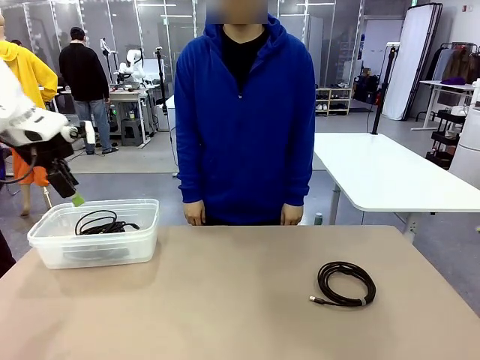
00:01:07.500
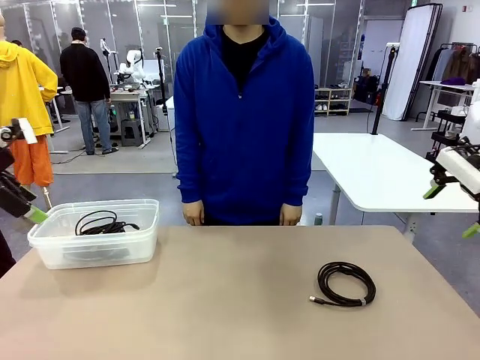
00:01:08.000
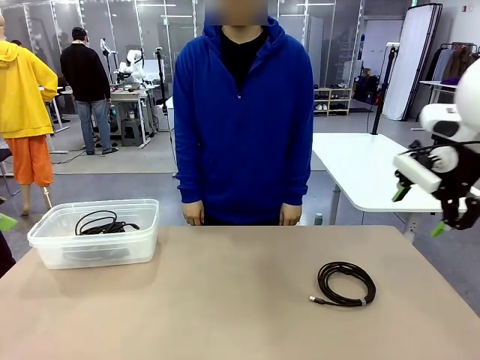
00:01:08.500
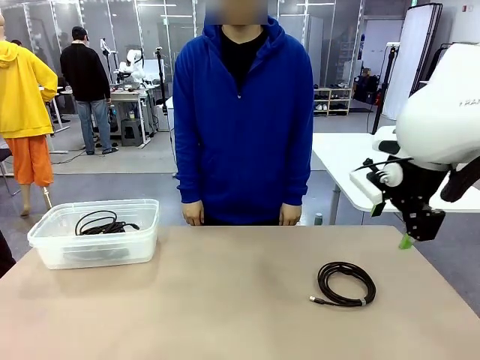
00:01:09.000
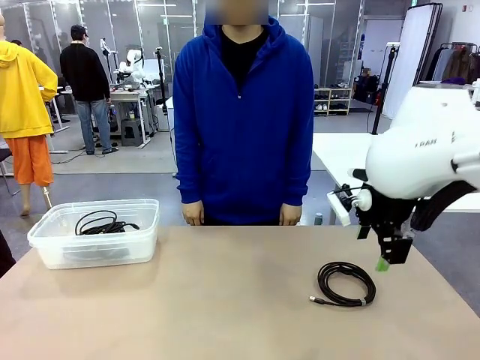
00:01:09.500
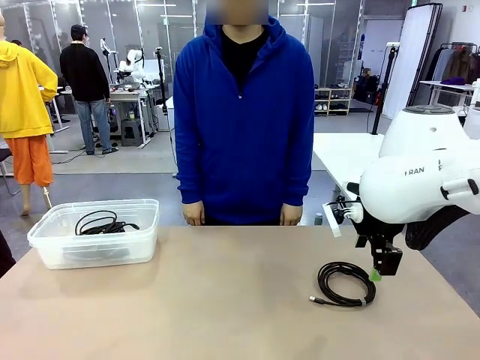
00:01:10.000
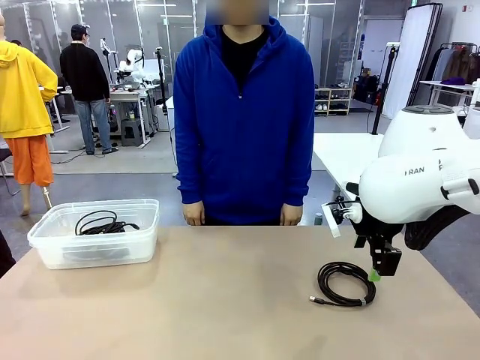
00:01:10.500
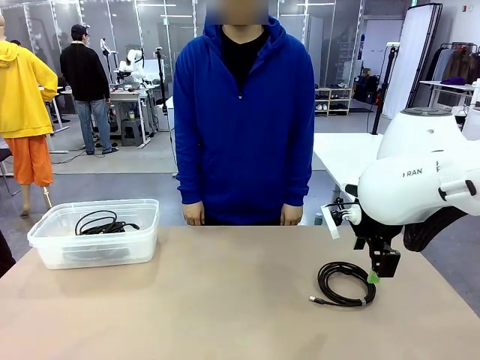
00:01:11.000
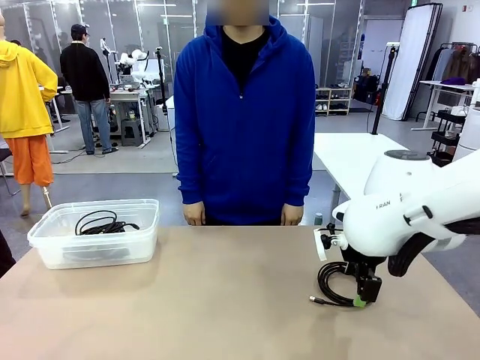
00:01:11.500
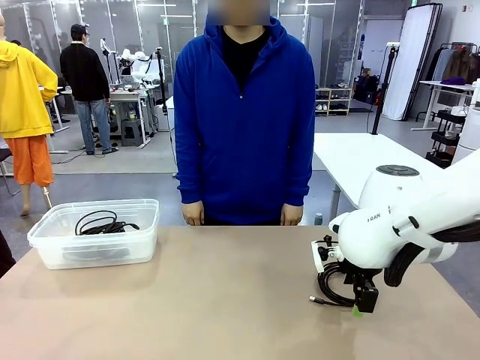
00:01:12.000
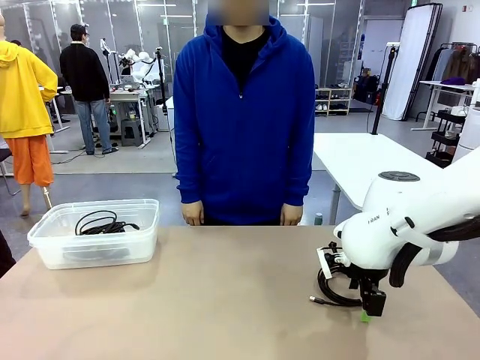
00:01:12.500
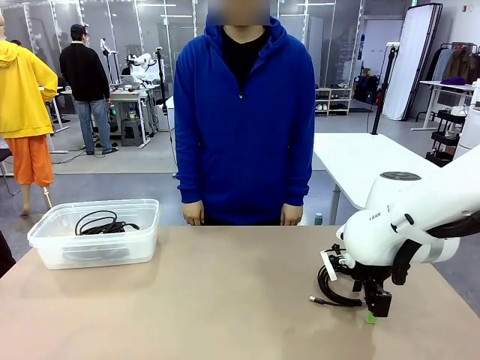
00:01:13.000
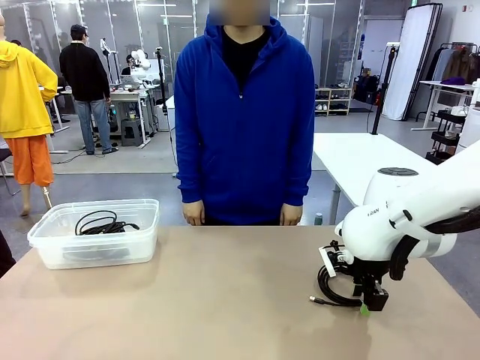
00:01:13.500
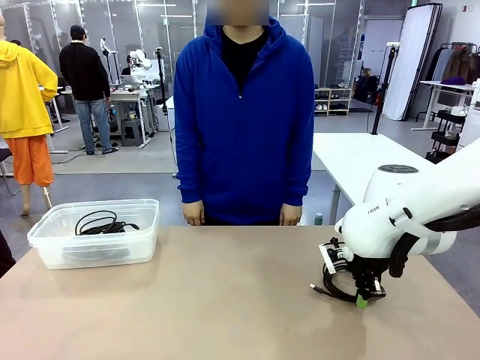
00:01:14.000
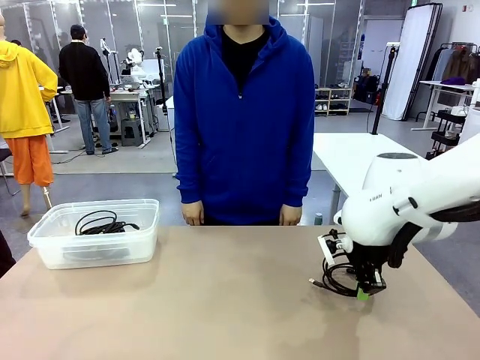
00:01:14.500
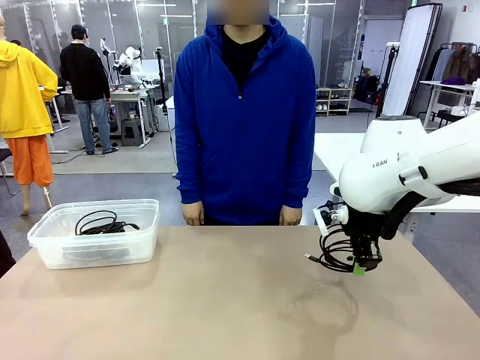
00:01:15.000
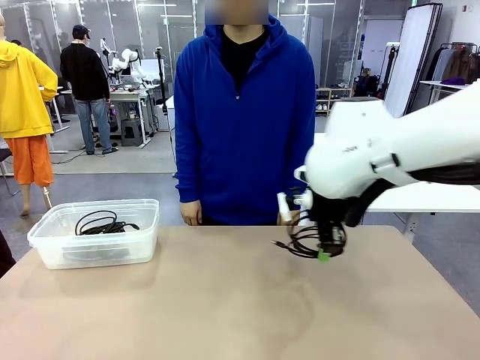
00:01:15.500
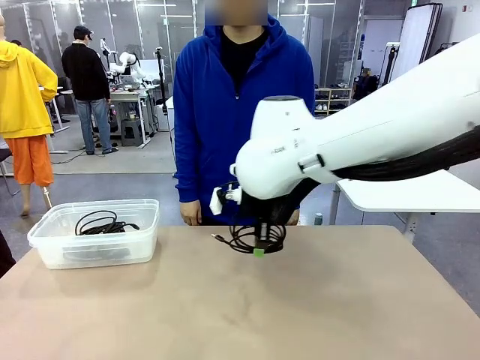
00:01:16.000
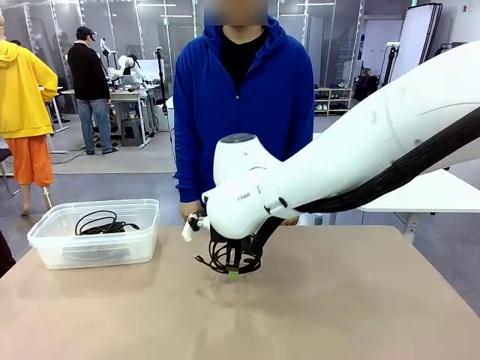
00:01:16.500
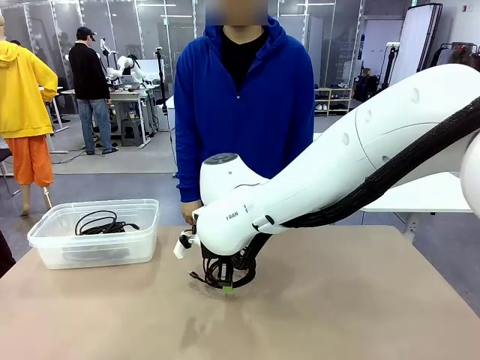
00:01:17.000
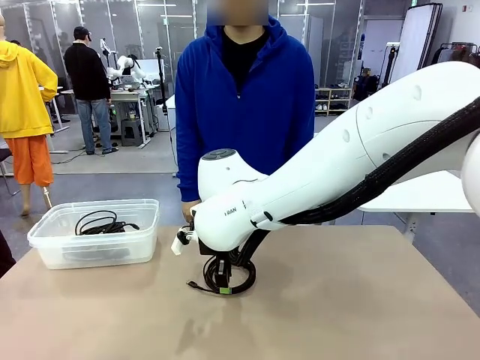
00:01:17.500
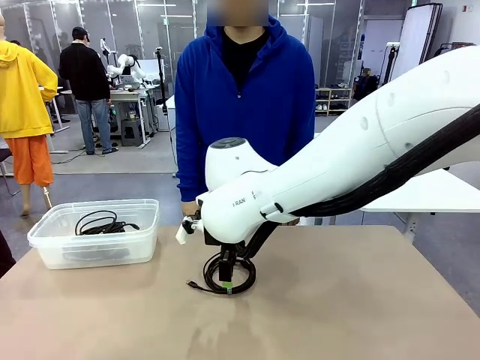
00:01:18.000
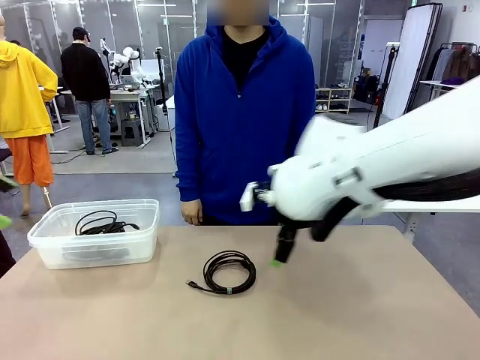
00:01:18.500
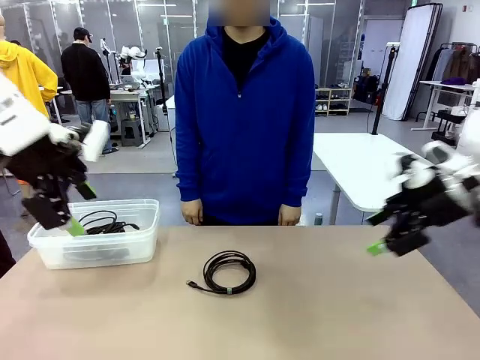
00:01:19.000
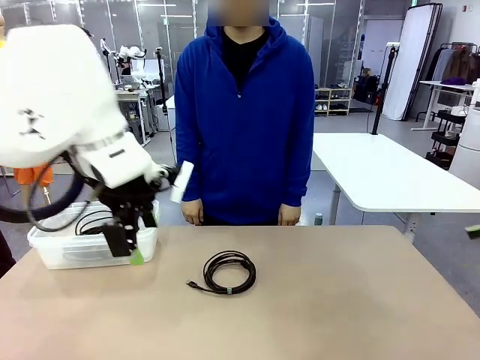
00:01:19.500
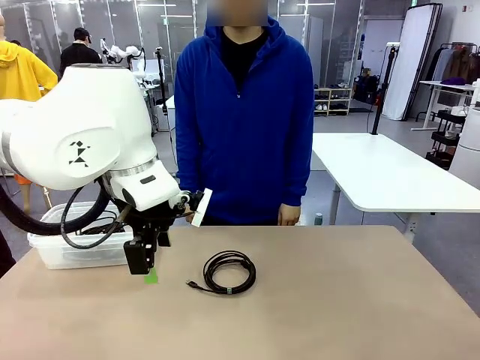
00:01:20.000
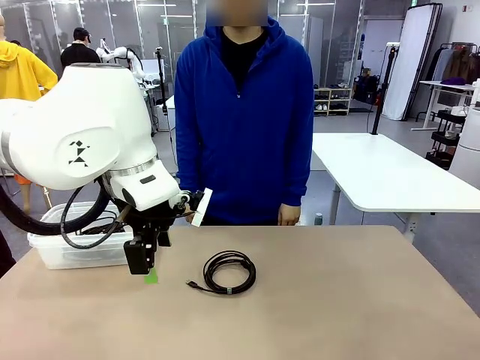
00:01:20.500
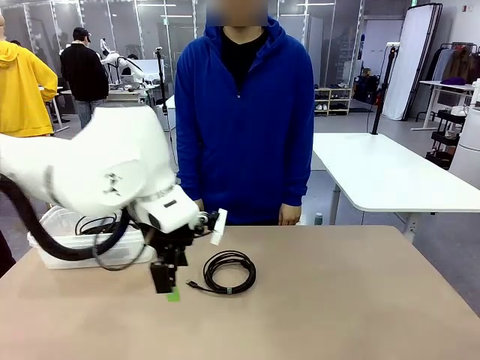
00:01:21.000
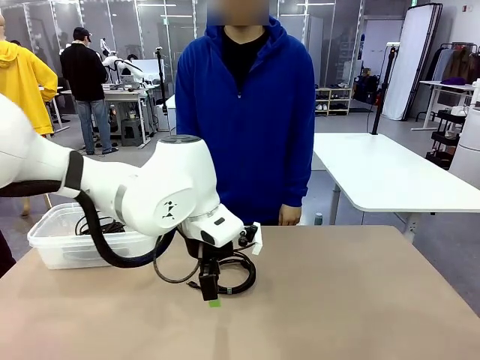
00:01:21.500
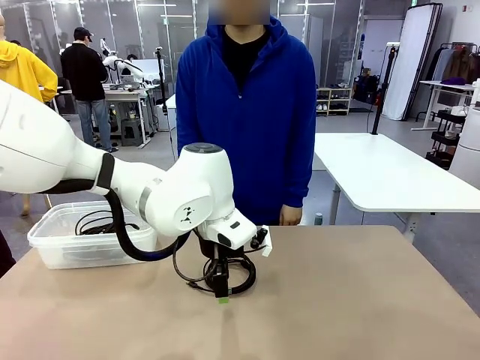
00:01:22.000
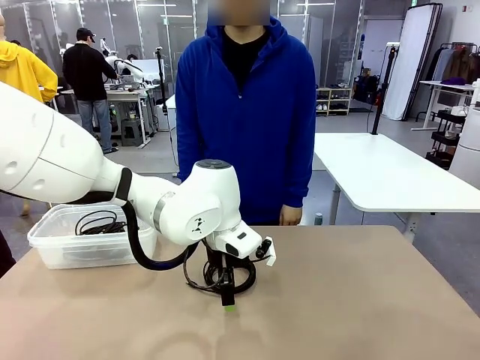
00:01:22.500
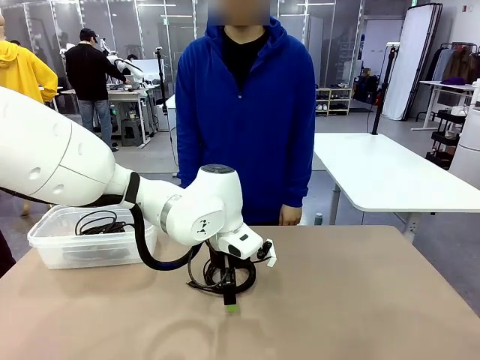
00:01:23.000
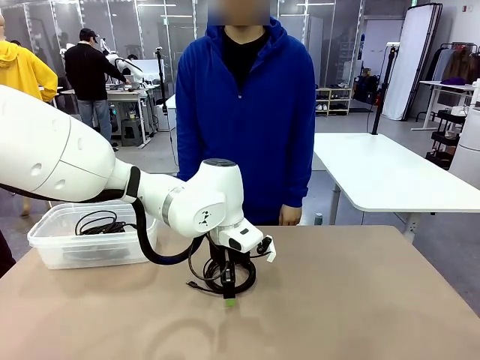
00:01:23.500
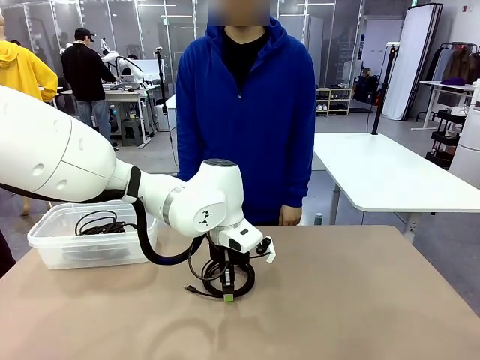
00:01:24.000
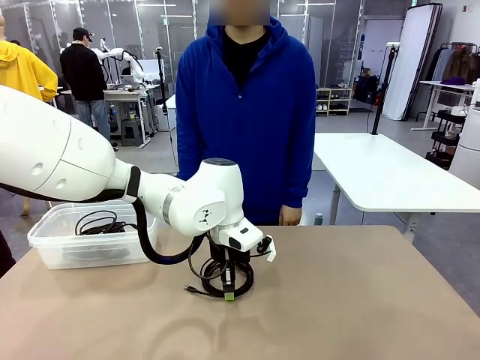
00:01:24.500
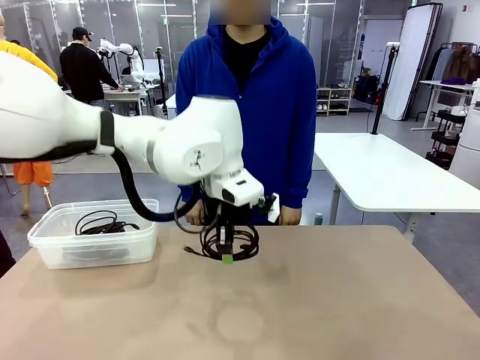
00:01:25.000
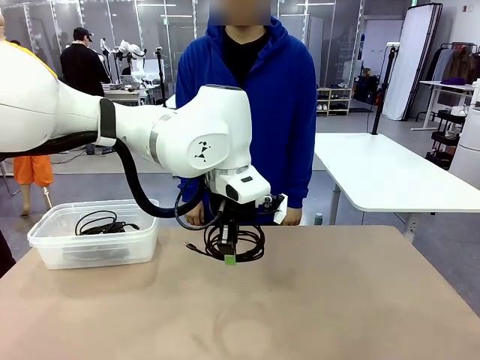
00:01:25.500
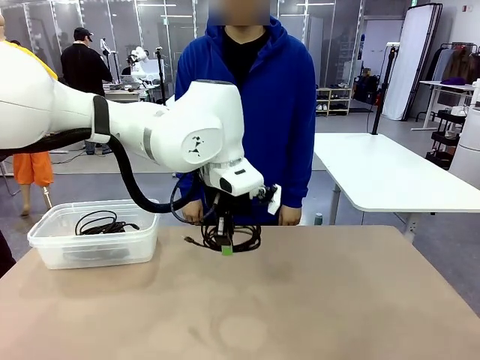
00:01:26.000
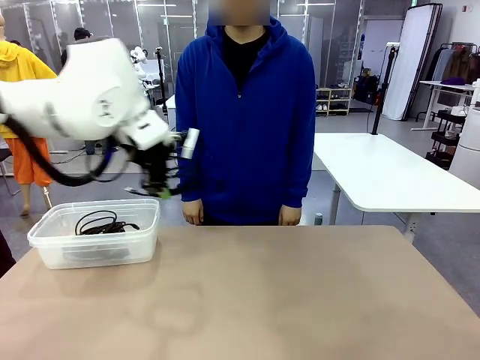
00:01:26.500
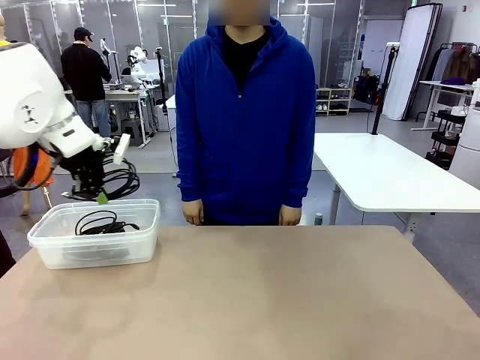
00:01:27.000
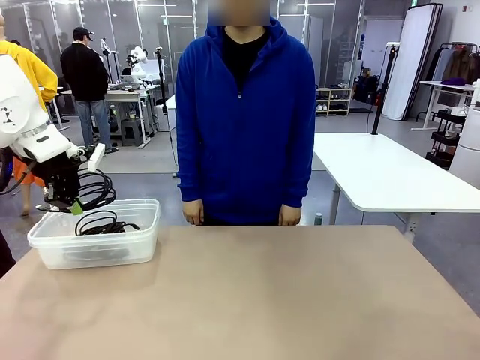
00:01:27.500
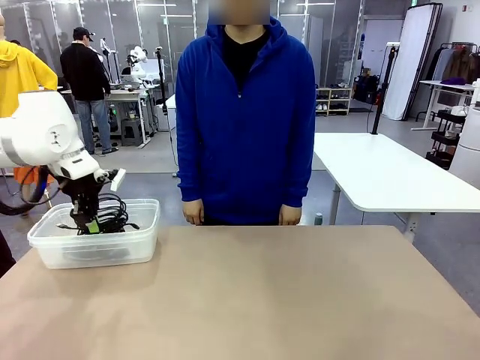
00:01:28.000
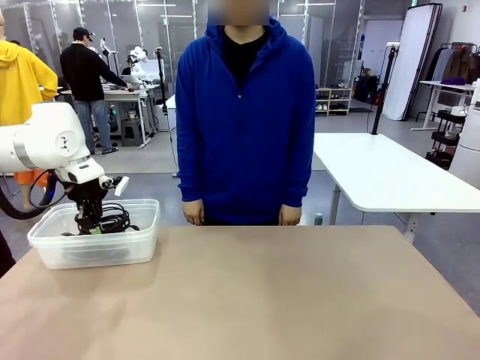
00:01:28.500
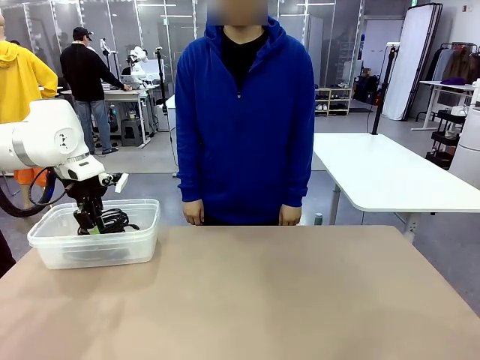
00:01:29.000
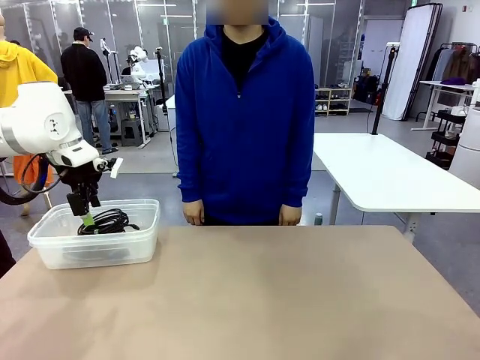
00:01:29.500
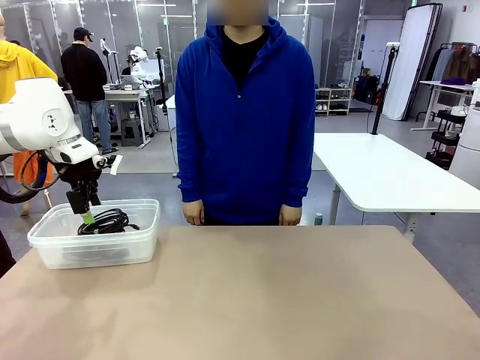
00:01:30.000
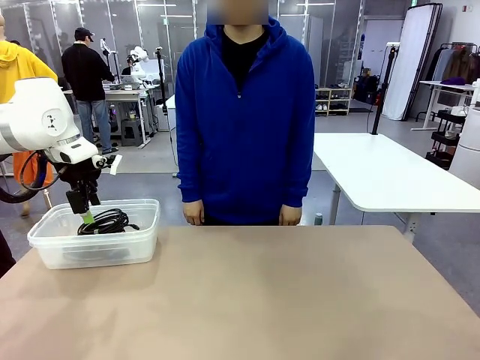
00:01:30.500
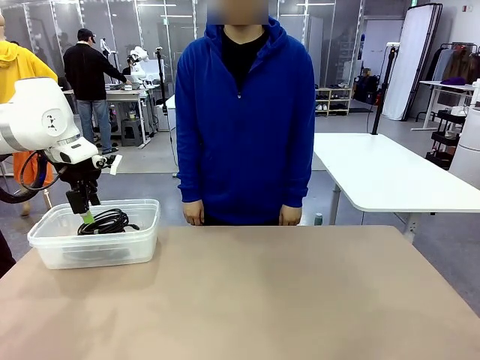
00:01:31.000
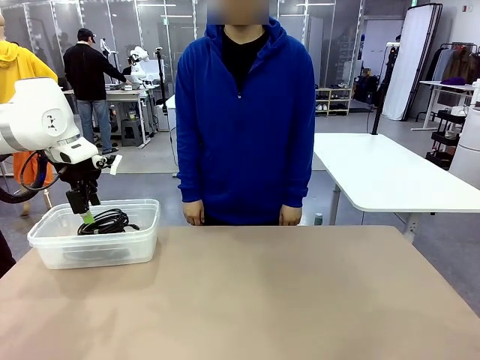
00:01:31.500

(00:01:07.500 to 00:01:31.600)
Task: Organize and store the cables.
Robot: Place the USB Extension Cable into the Organizing box.

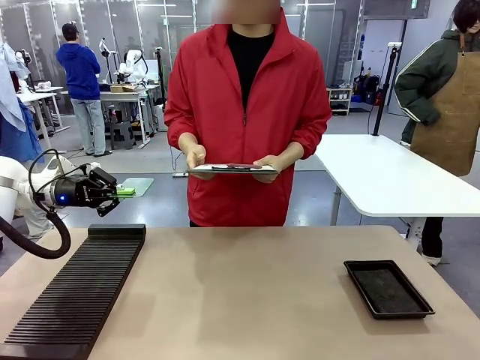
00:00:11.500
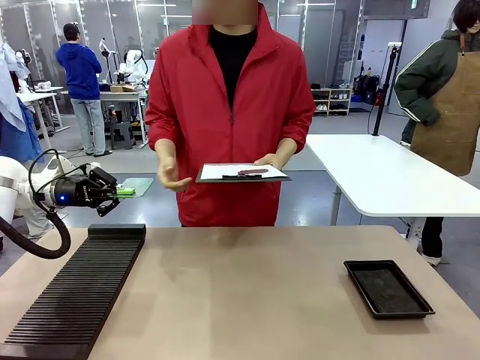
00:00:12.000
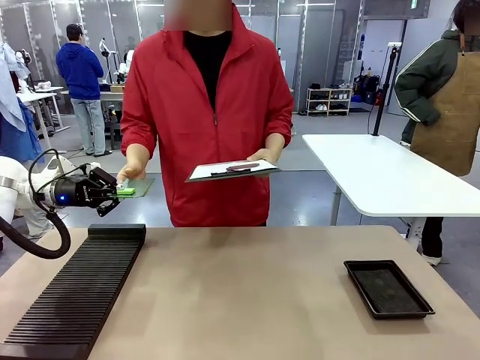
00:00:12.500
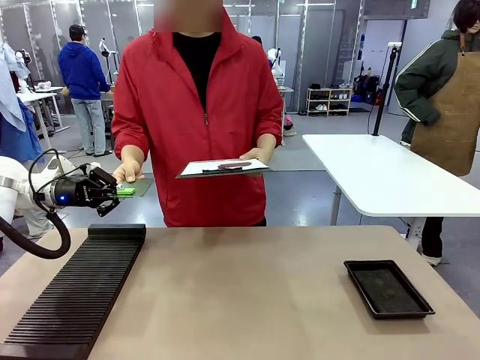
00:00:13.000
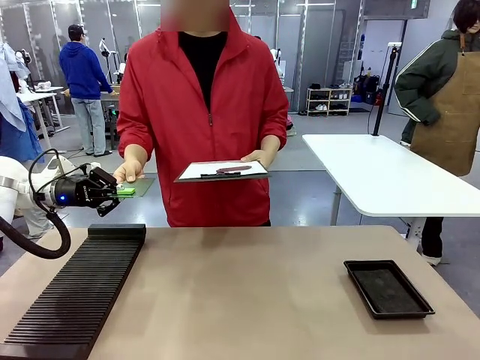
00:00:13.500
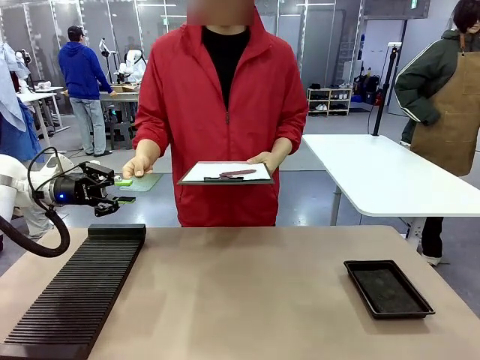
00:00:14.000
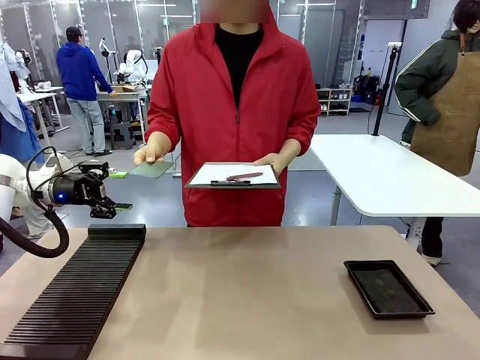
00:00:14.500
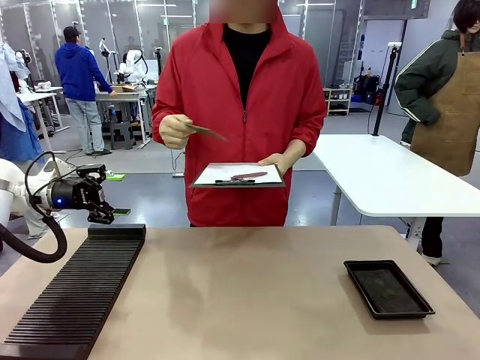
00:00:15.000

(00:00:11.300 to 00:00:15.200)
Task: Inspect the PCB.
Robot: Release the Blank PCB you were holding.
